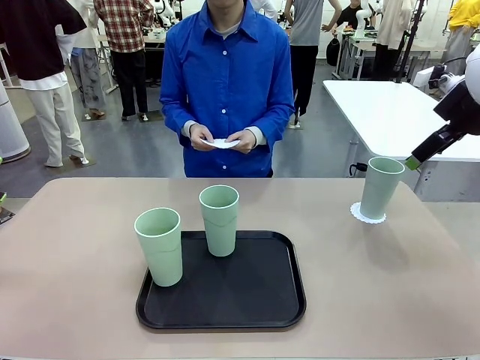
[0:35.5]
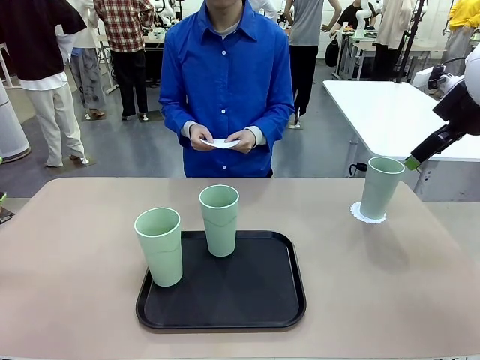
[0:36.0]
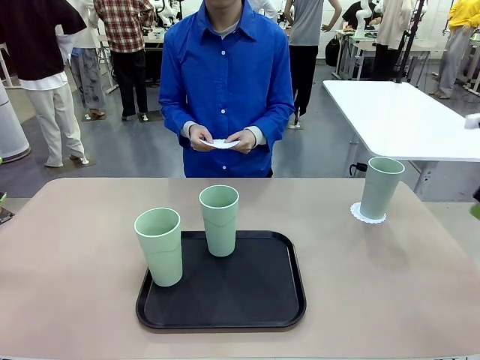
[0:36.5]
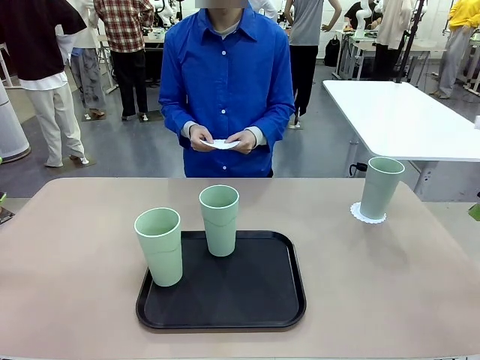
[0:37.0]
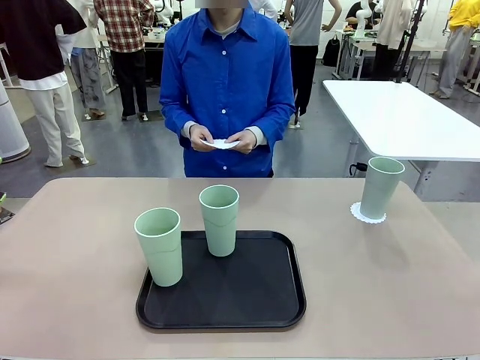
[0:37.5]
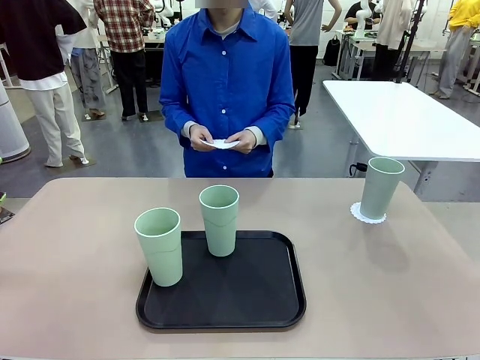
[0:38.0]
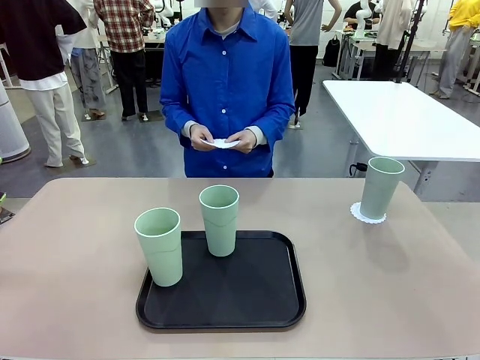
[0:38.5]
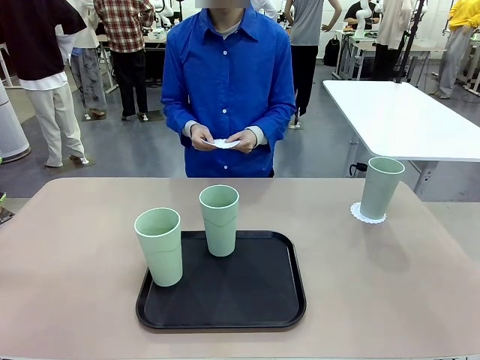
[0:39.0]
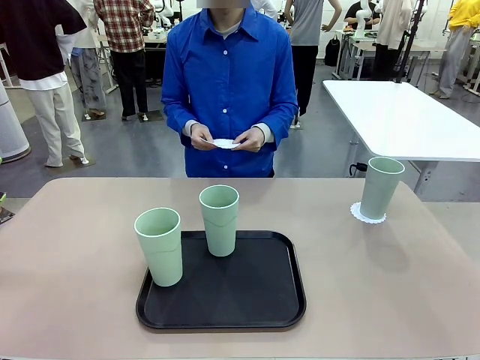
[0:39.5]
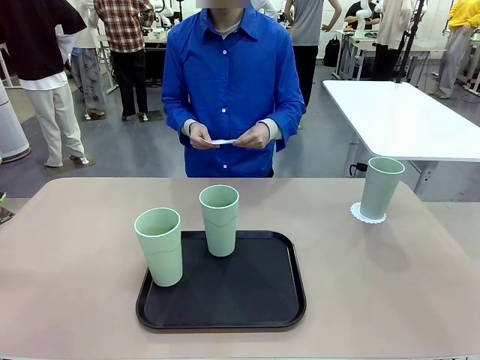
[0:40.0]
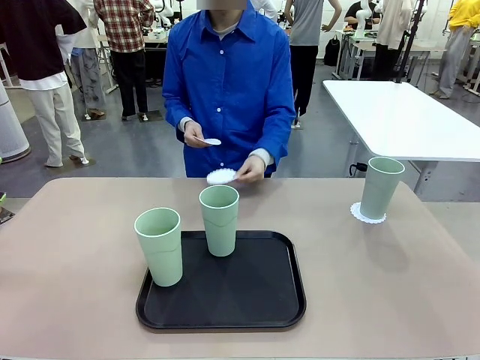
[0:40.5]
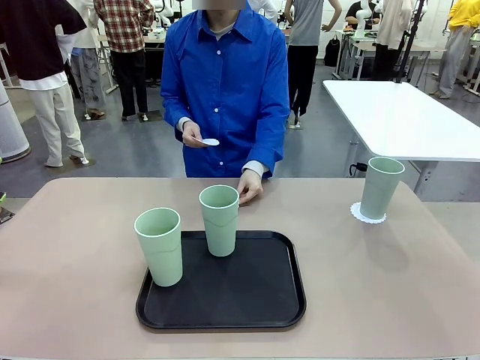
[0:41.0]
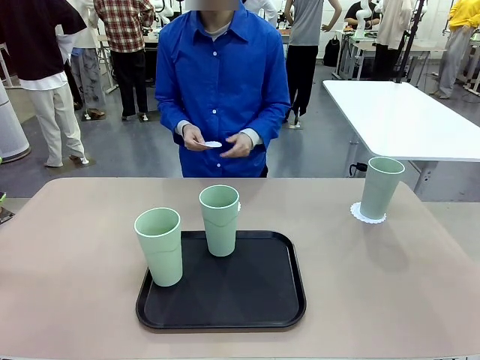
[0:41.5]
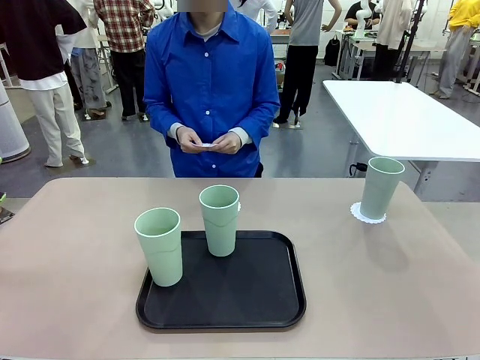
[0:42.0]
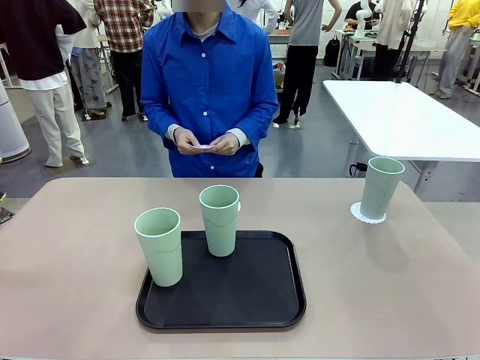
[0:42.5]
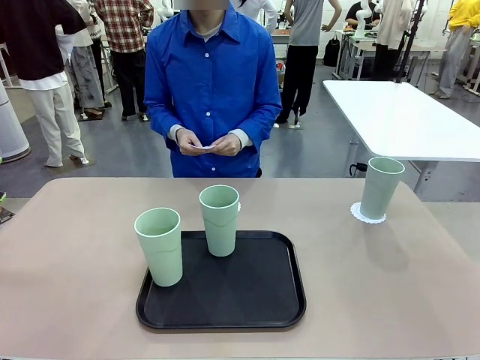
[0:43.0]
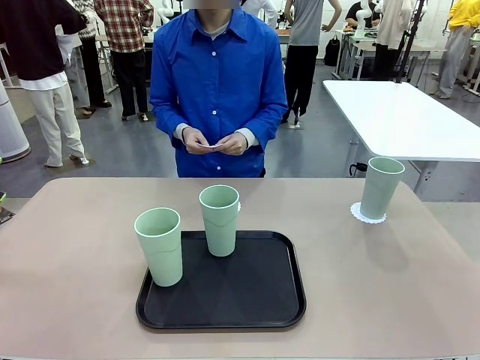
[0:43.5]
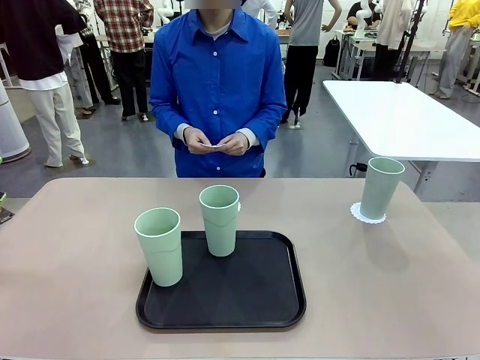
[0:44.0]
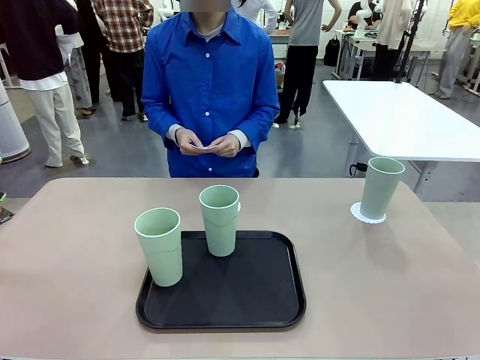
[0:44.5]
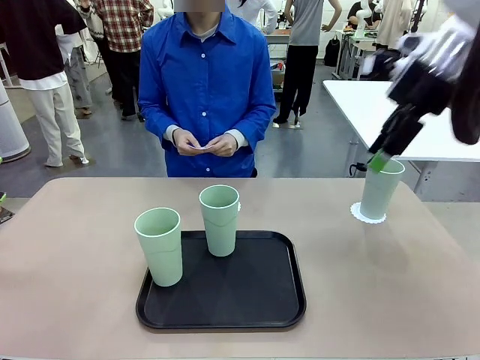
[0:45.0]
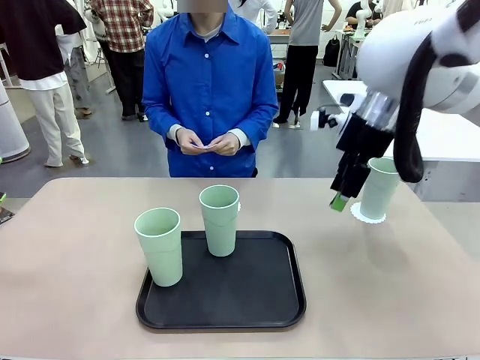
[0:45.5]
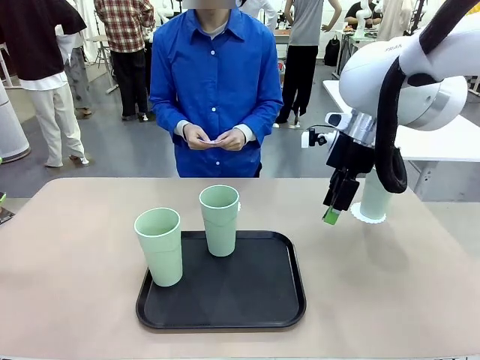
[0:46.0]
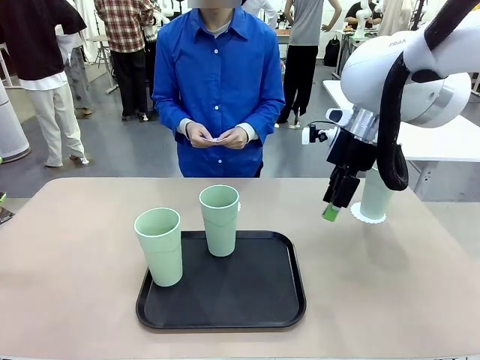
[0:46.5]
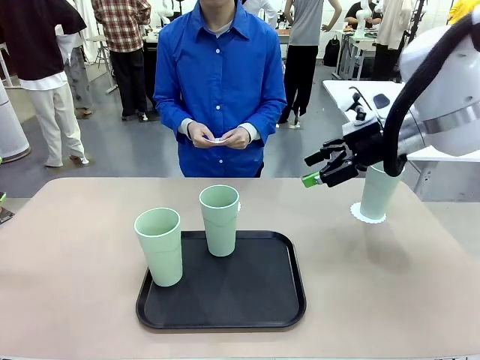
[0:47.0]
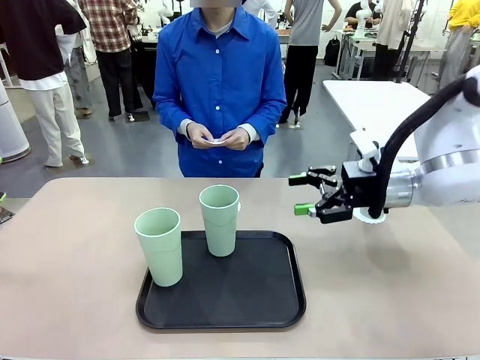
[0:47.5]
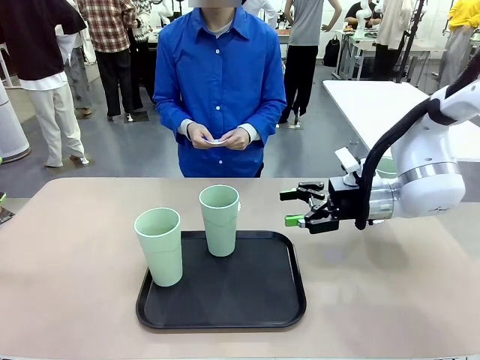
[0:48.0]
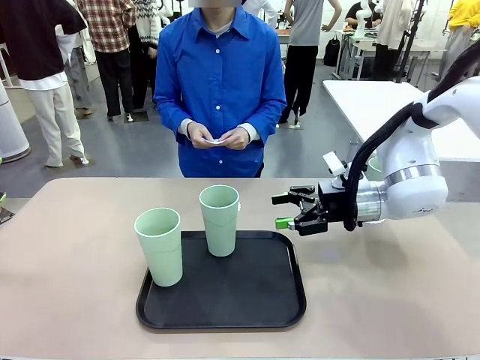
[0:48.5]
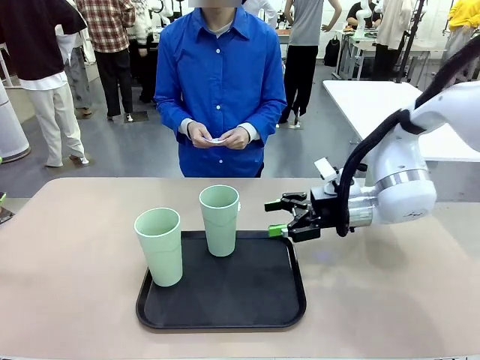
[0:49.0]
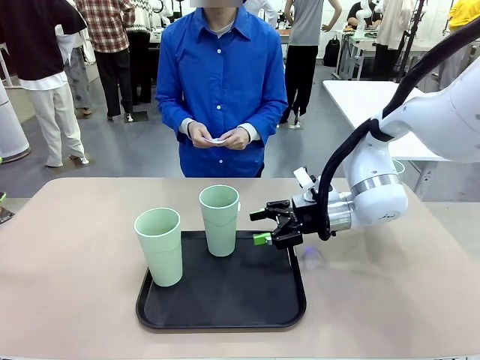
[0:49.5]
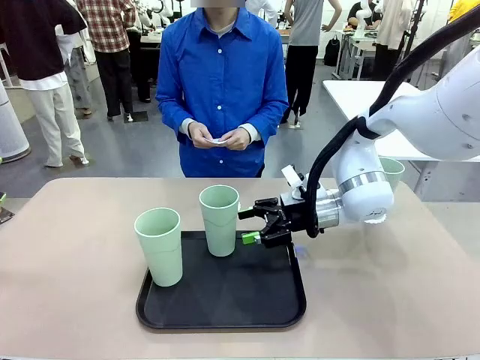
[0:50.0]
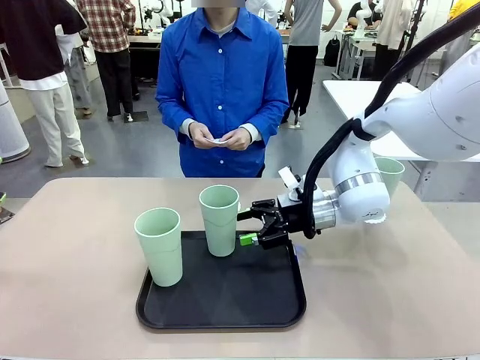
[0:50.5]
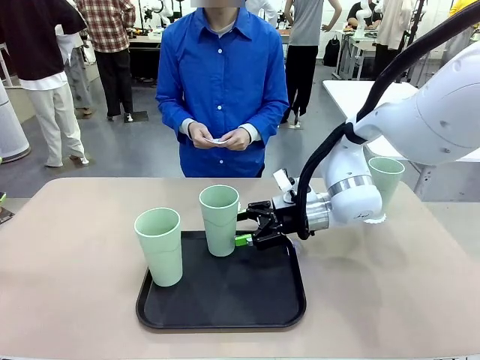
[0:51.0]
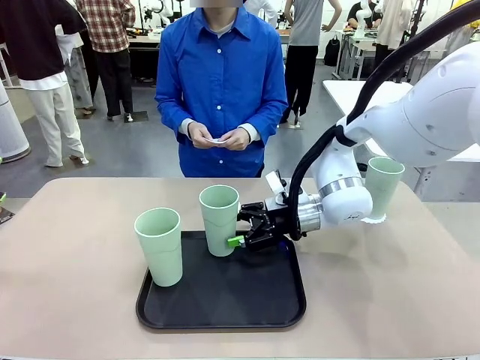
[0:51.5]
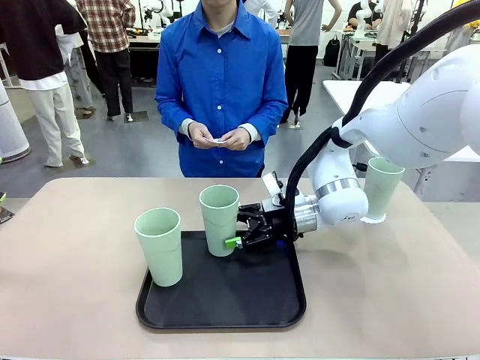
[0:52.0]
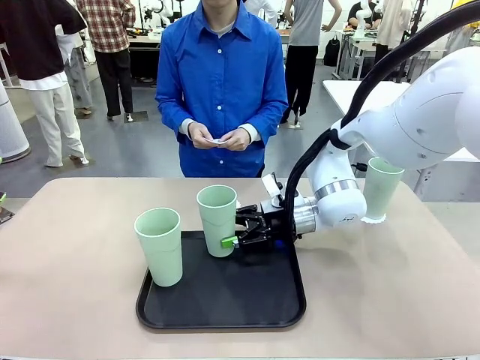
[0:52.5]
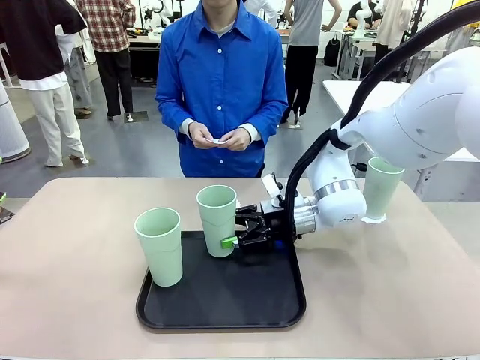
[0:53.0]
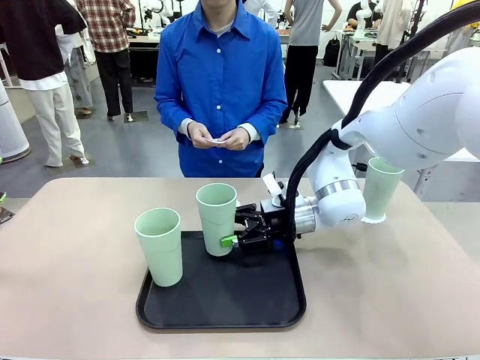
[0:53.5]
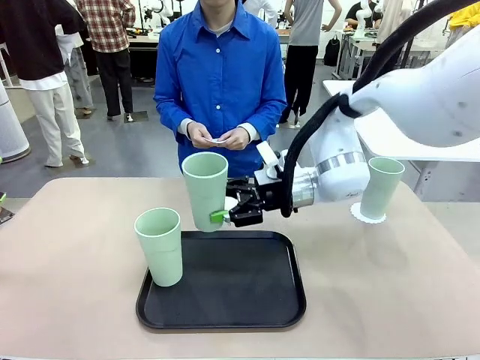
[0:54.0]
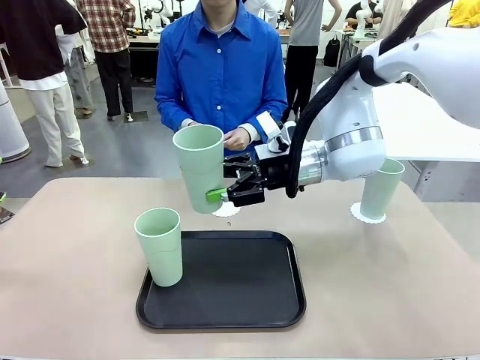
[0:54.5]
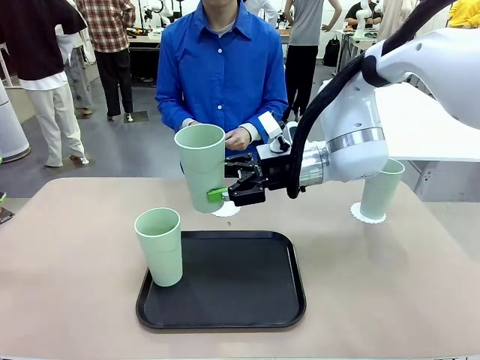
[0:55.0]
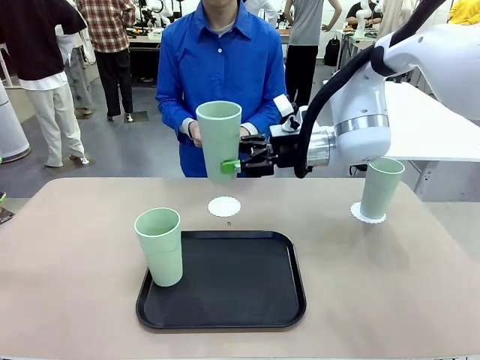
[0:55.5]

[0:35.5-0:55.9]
Task: Place coasters on the table and set cups on them.
Robot: Take one Reusable plastic cup from the Flat Tray and place it on a coaster set by the human.

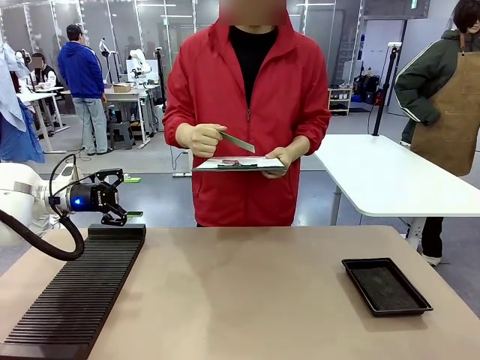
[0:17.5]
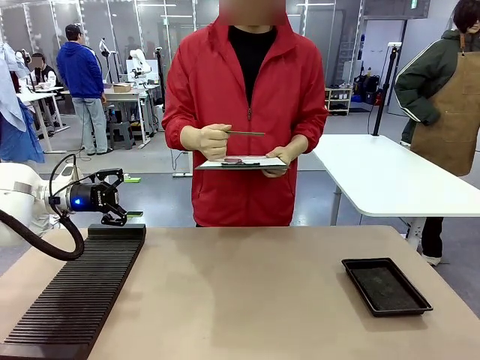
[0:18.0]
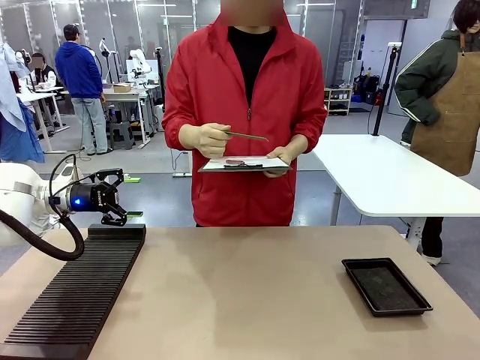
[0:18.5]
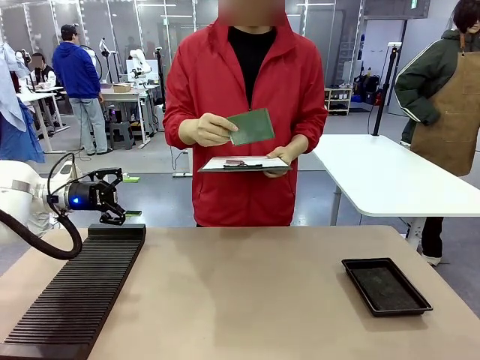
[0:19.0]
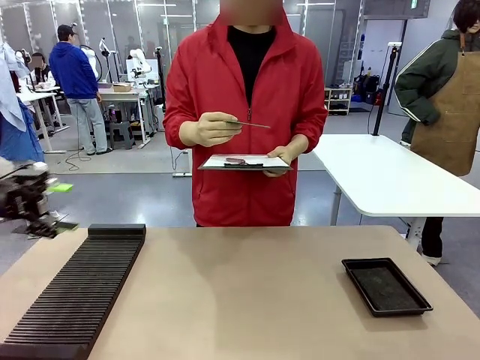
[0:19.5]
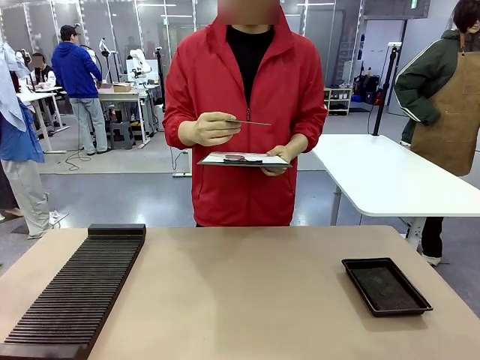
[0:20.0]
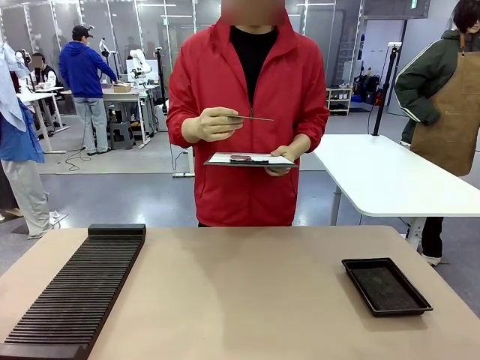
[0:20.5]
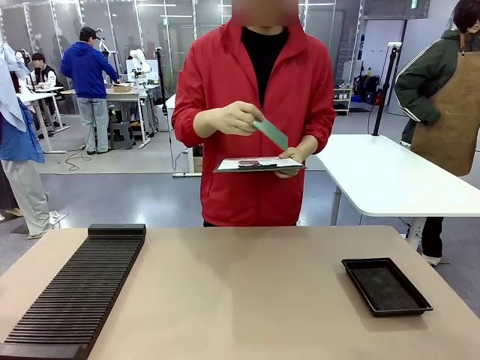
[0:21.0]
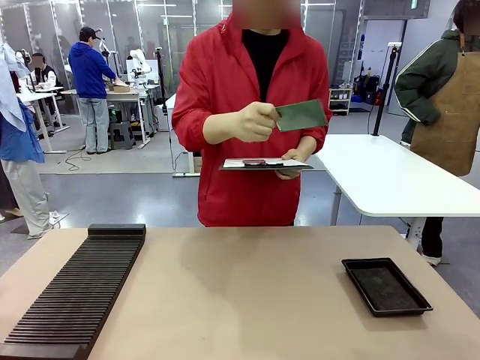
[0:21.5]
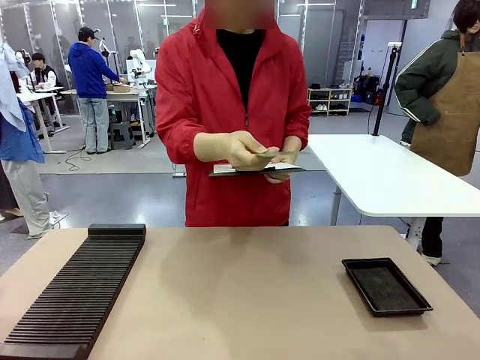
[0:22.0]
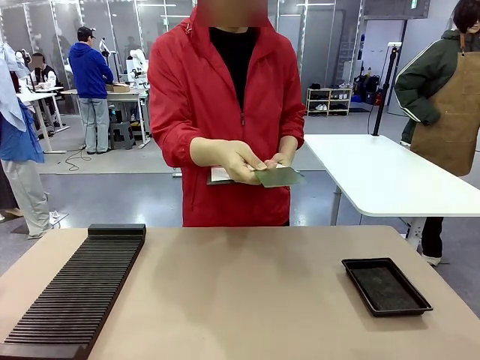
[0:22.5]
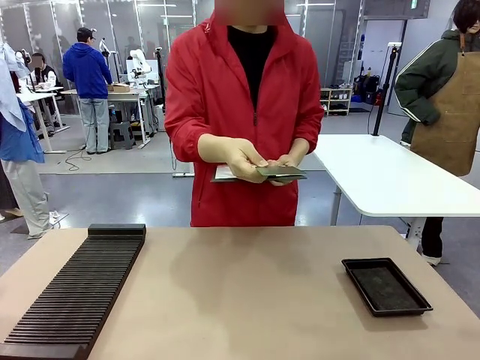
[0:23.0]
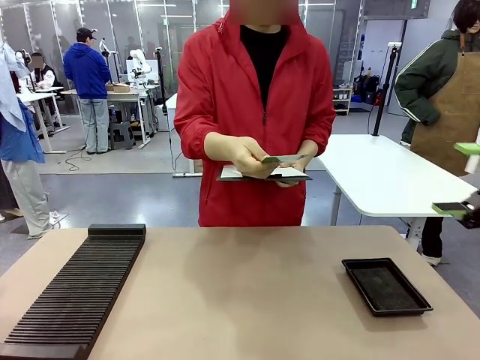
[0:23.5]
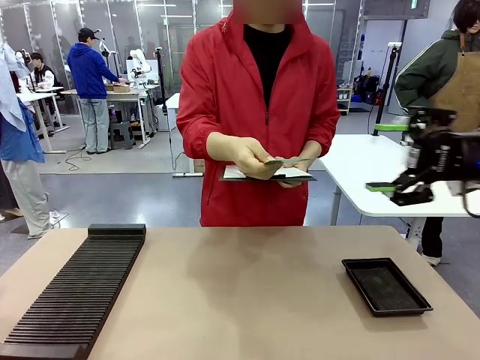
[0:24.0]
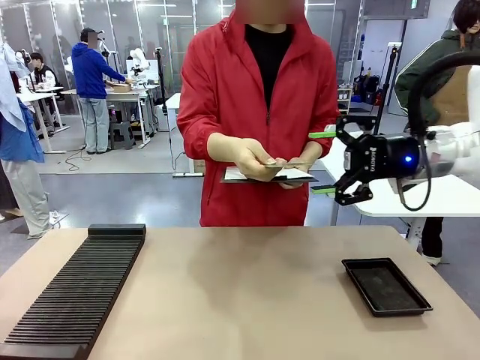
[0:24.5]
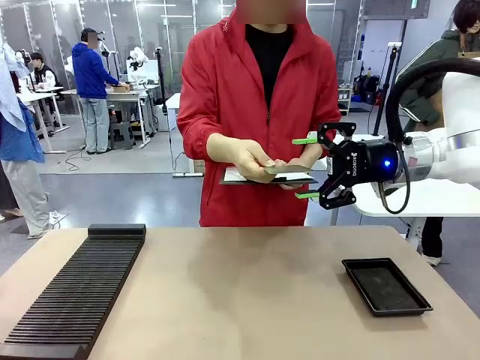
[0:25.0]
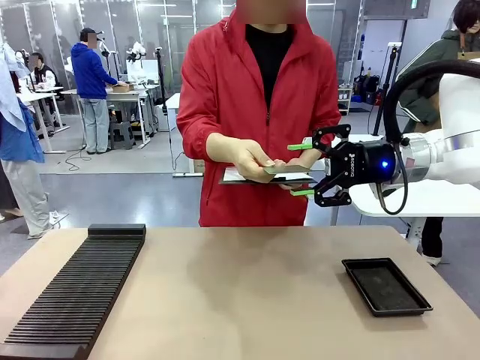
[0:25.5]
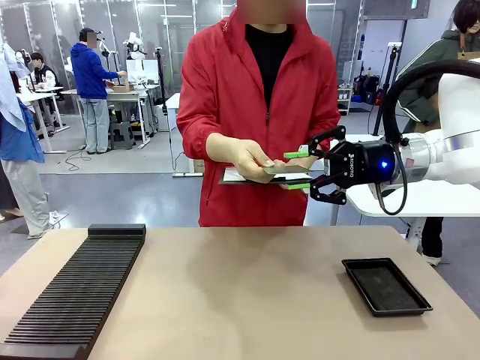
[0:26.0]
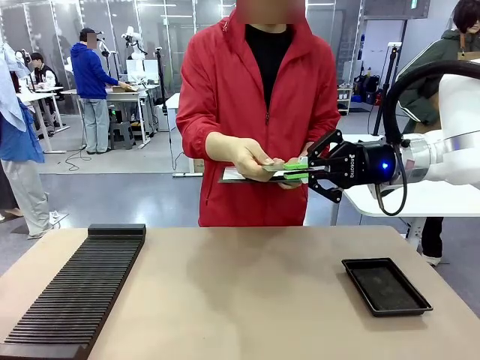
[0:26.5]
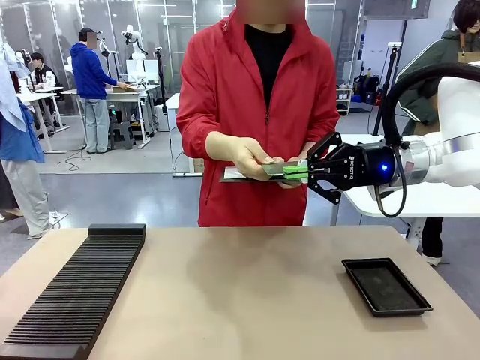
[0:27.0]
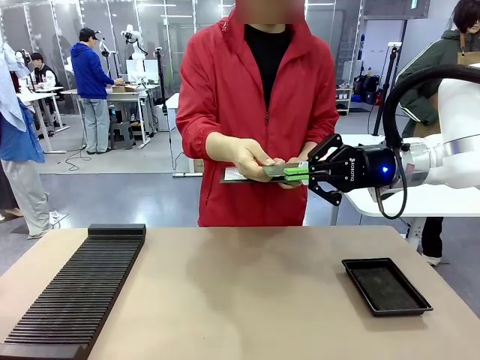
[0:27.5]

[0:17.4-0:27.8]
Task: Inspect the PCB.
Robot: Pick up the Blank PCB that the human is holding.
Person: Inspect the PCB placed by the robot, then hold it out in front of the robot. Release the PCB you were holding.
